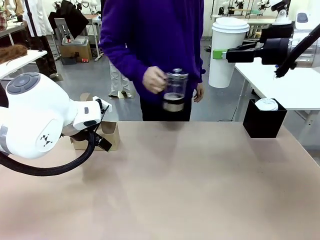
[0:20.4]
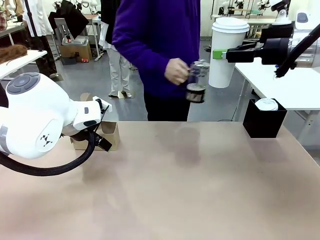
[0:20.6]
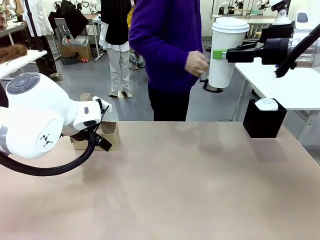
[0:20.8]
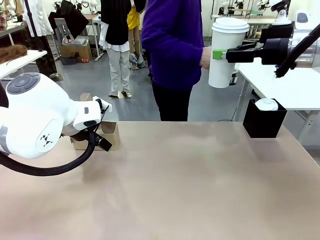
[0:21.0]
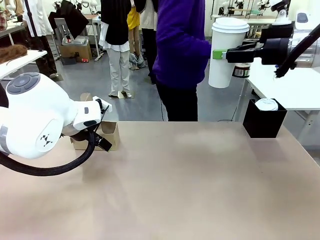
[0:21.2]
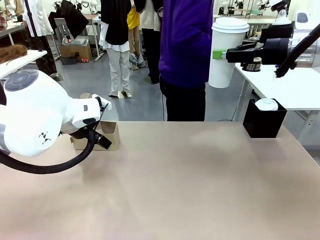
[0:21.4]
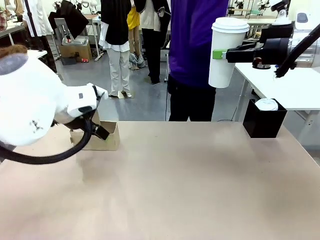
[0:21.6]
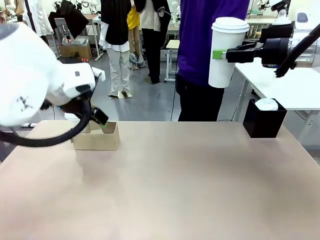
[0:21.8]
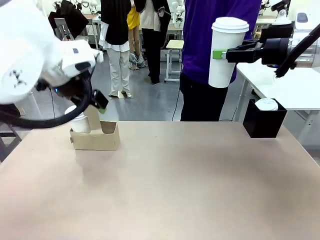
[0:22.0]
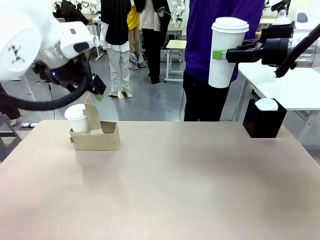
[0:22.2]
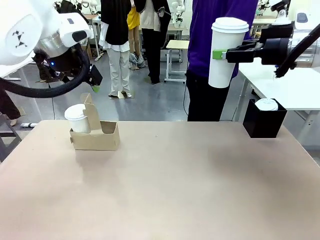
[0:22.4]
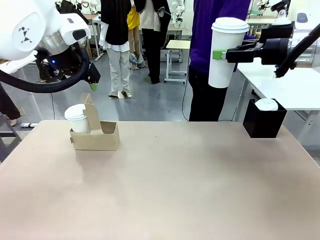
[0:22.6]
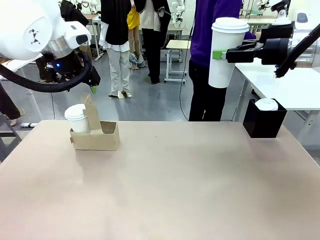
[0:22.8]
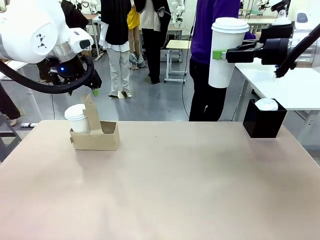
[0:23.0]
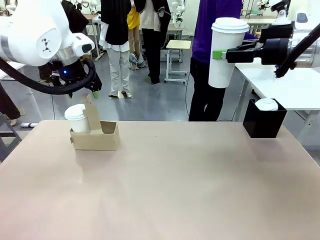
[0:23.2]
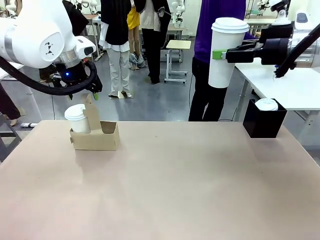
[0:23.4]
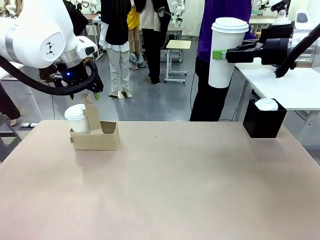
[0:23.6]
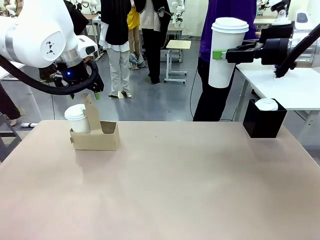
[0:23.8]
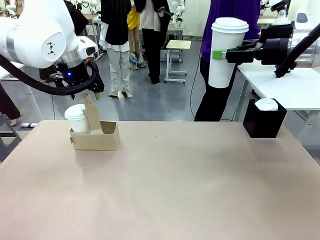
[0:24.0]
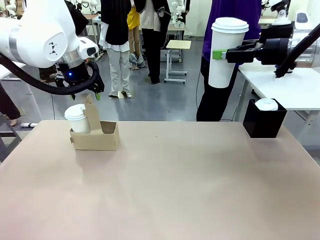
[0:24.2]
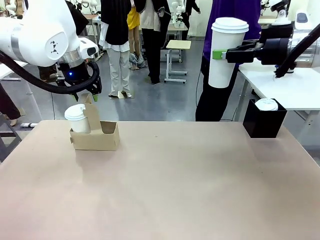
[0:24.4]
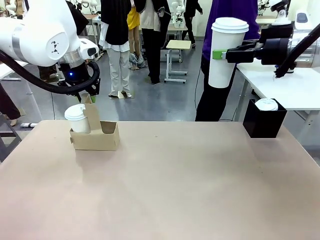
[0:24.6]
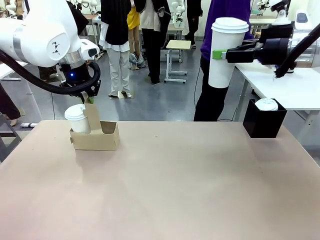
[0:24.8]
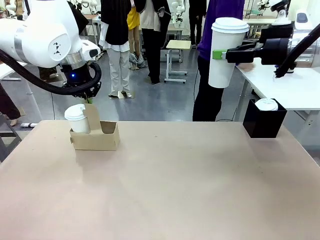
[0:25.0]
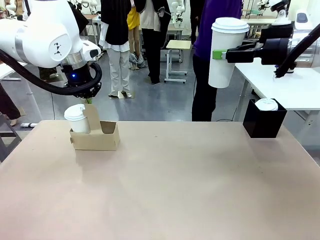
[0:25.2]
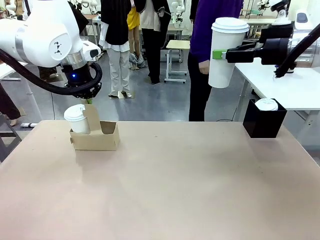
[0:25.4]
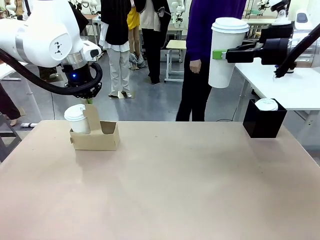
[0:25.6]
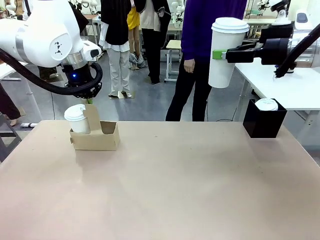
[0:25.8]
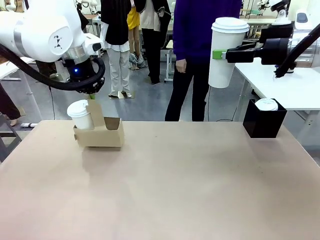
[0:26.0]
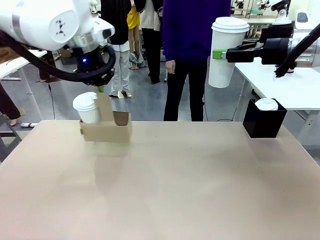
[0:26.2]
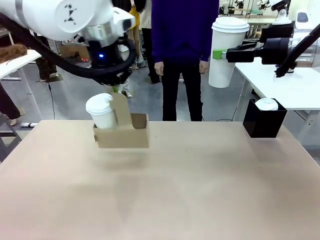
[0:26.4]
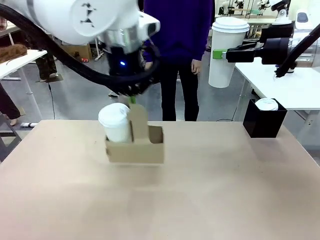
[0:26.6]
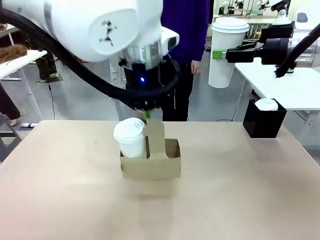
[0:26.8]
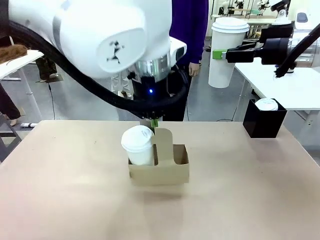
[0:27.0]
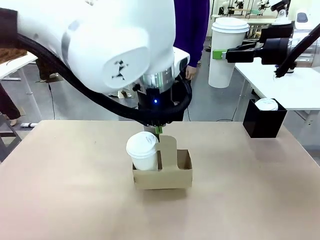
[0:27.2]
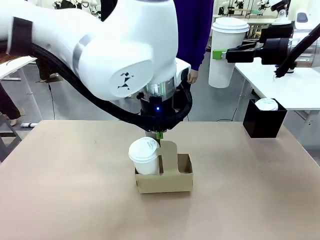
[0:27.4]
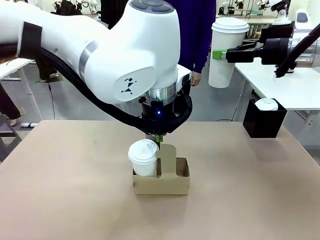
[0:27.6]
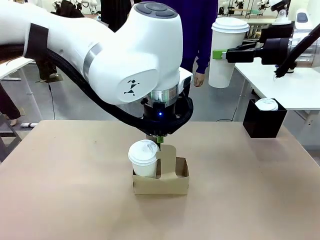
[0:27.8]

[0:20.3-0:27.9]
Task: Pour a drink into a cup and package it in a carrier.
Robot: Position the Cup Carrier in the center of the table.
Person: Pick up the Filter Brewing and place on the middle of Human table, and return to the Robot table.

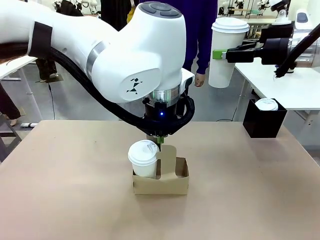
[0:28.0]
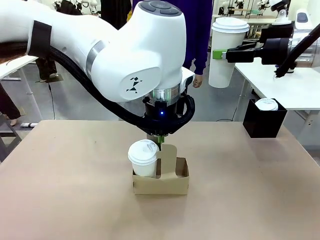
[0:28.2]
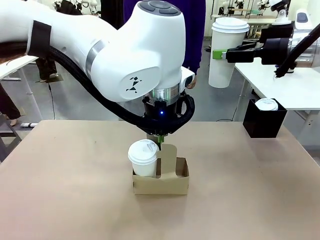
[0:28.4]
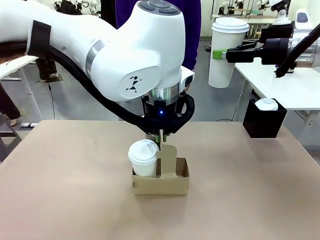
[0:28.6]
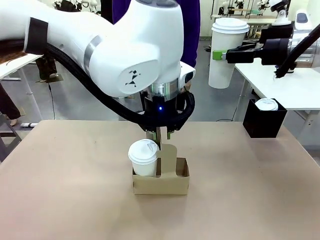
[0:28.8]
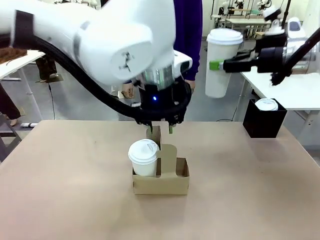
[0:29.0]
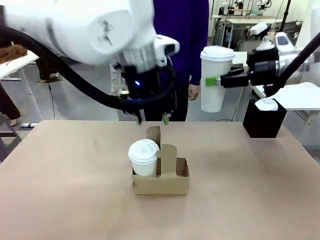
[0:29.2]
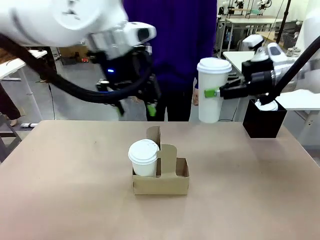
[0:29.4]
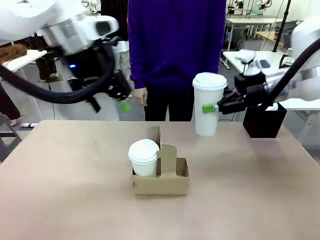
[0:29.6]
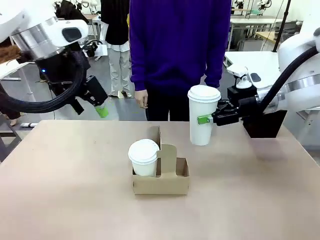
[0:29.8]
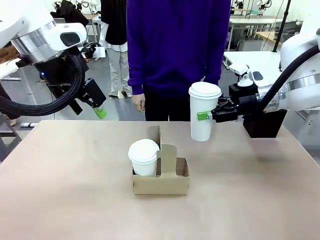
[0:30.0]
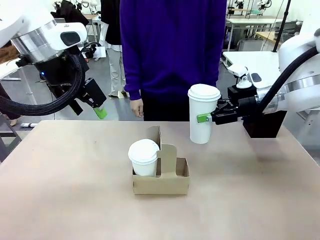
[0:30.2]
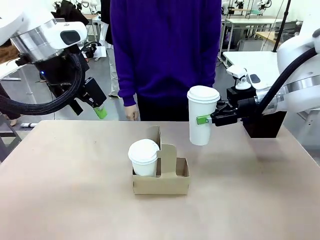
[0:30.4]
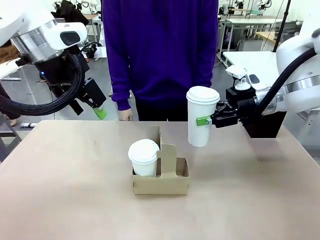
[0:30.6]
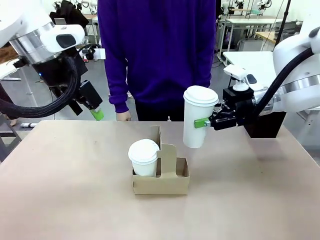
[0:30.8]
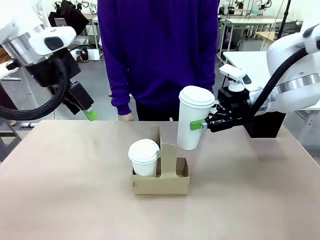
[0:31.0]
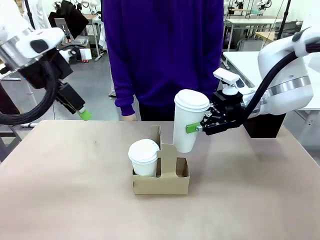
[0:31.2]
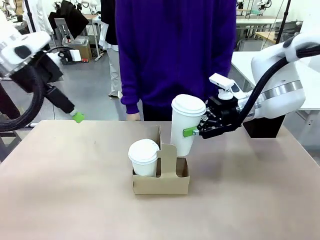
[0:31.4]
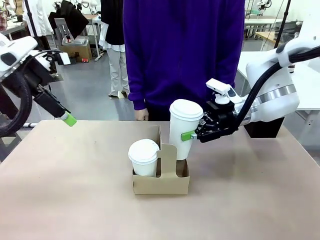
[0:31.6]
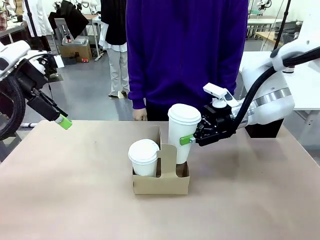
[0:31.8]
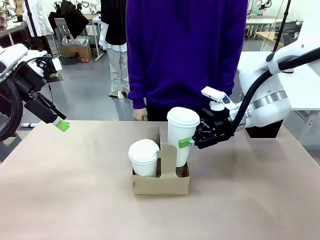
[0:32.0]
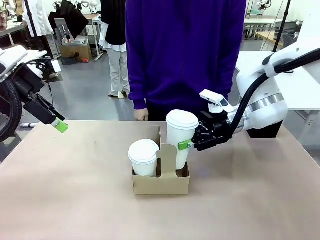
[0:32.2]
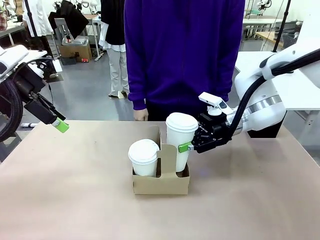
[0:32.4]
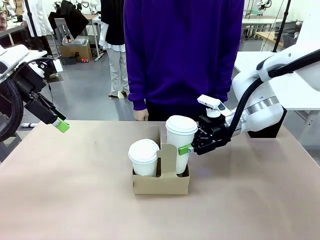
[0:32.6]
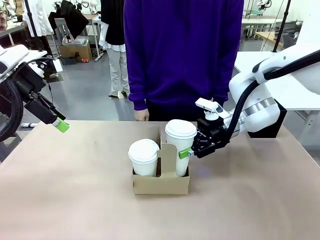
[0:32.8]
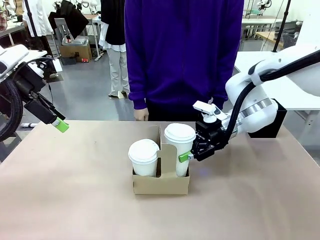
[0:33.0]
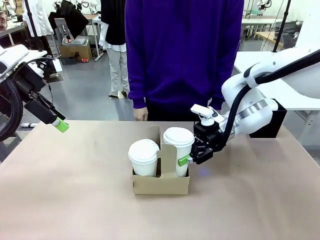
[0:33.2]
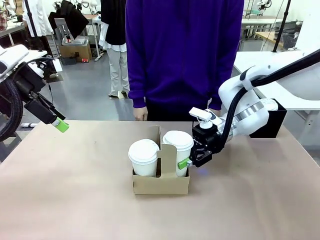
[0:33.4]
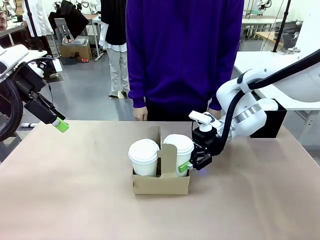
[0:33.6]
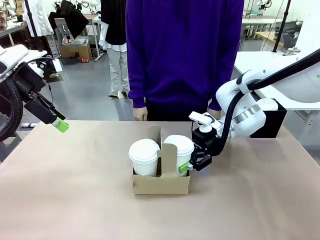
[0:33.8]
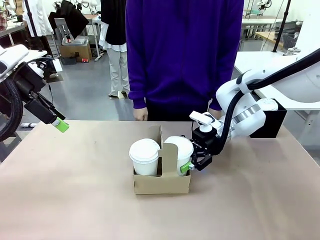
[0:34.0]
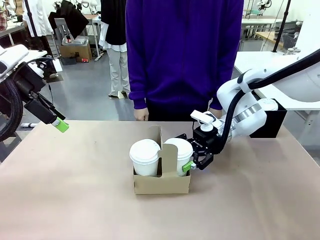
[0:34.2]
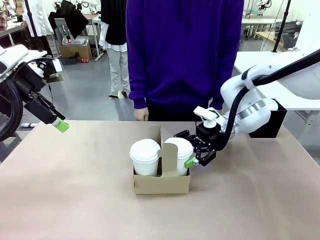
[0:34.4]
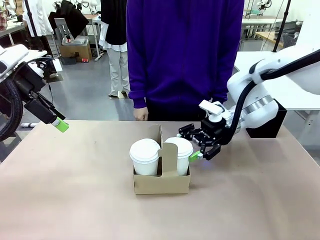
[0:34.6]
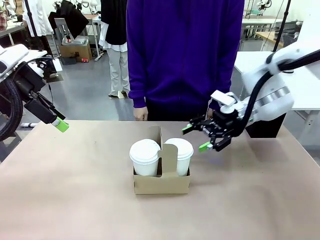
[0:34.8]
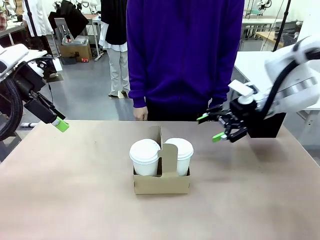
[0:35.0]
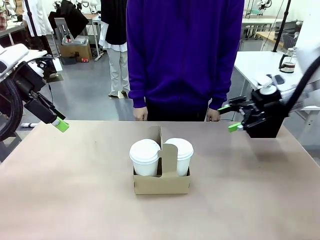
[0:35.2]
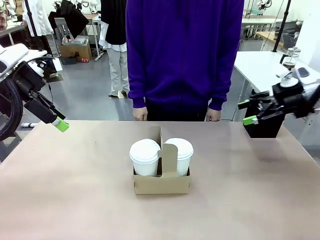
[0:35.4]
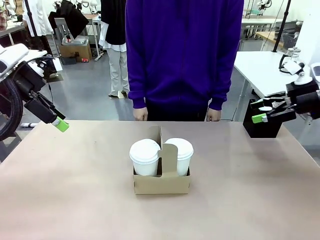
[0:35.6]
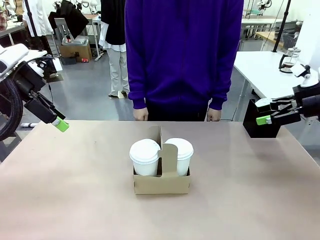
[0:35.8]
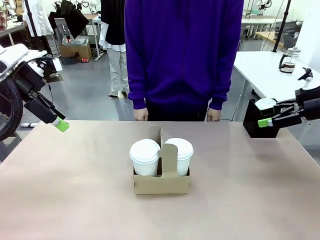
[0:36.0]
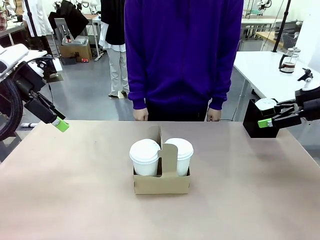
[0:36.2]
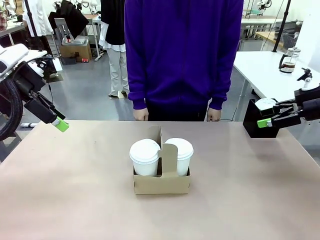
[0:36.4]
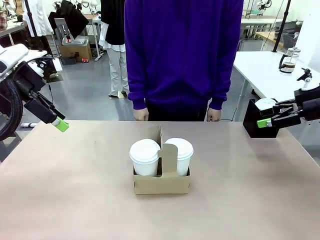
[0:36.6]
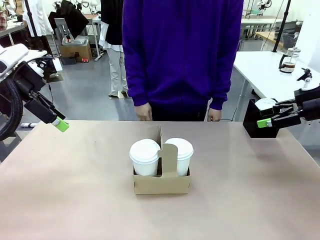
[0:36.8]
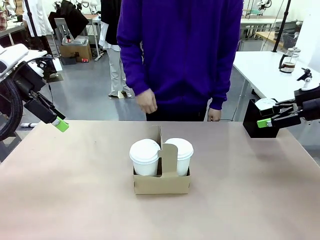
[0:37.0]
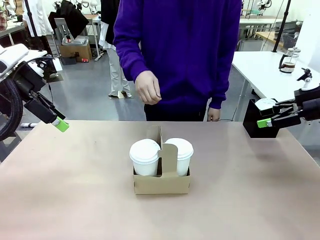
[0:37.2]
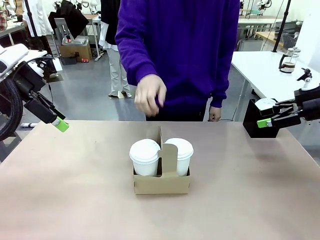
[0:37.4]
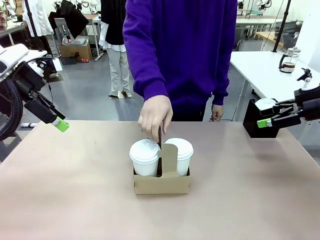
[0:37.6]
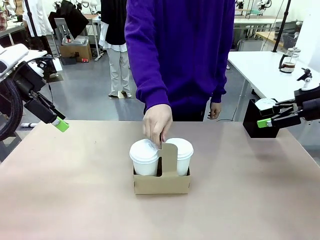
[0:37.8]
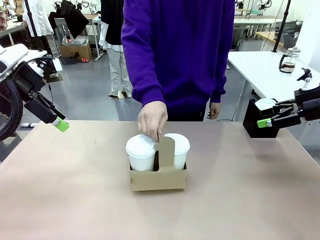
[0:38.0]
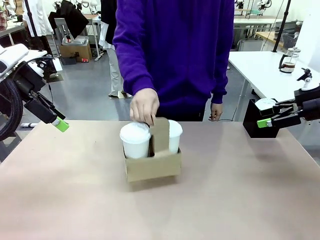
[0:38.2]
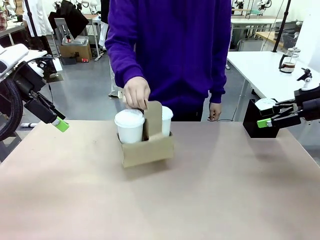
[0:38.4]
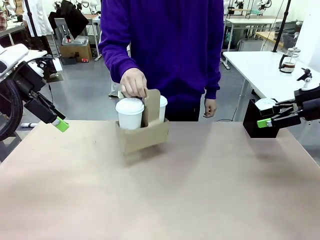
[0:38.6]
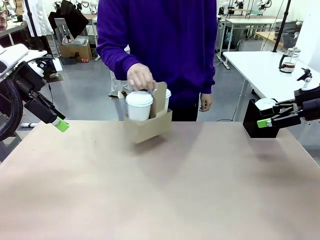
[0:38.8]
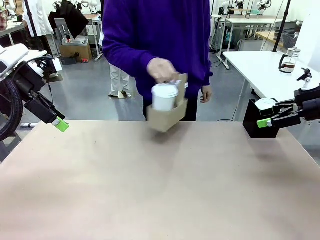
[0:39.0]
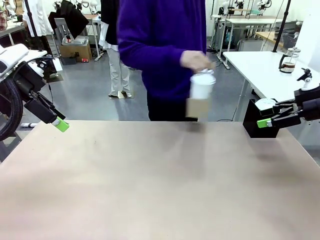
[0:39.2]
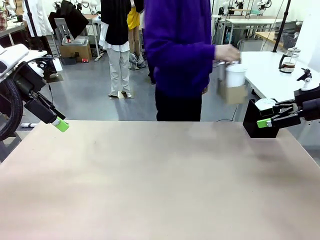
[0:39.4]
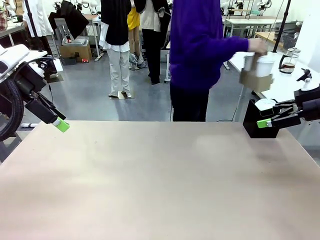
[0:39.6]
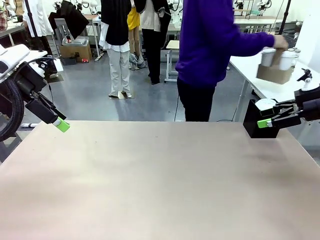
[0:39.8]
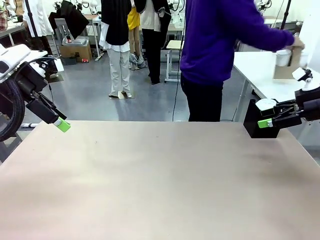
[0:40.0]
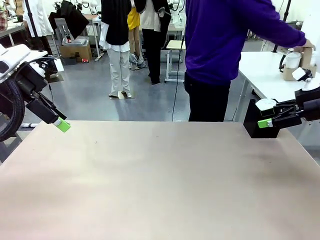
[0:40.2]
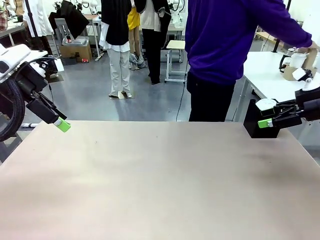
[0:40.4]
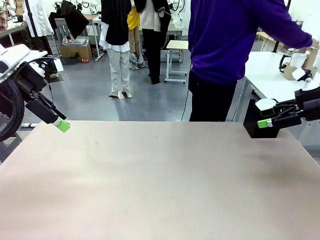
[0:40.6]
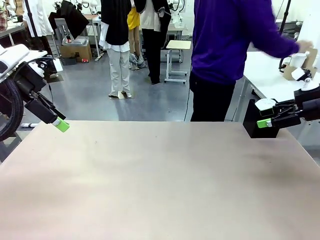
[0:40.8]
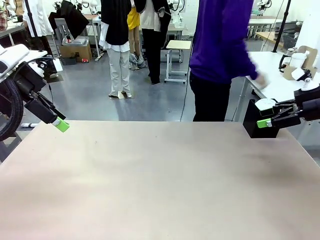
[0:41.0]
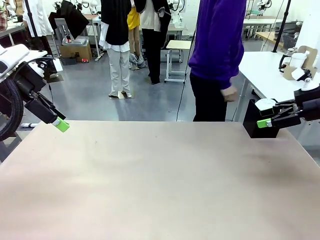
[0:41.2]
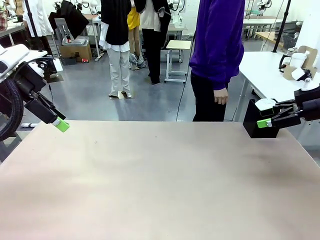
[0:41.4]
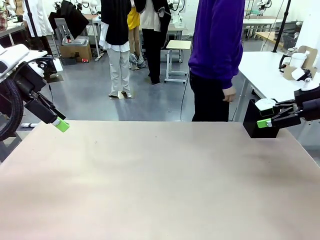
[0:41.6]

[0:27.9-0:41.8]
Robot: Insert the held 600 ml Paper Cup into the Cup Carrier.
Person: Place the Cup Carrier to the middle of Human table.
